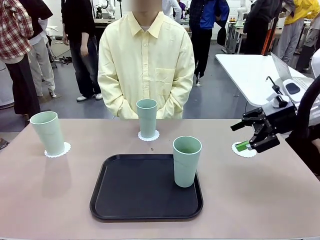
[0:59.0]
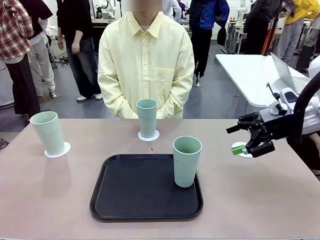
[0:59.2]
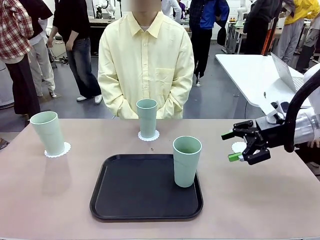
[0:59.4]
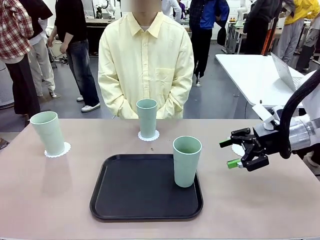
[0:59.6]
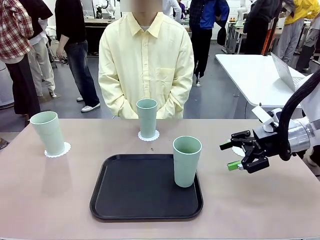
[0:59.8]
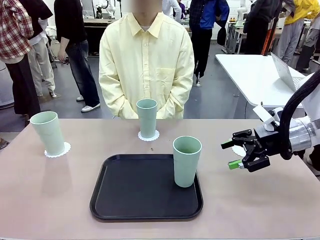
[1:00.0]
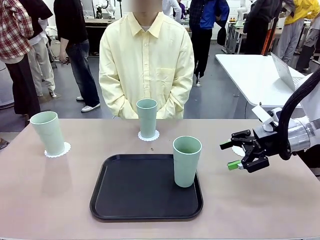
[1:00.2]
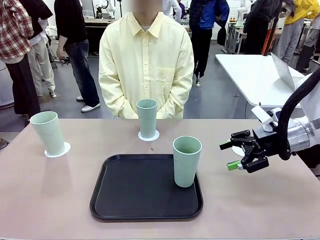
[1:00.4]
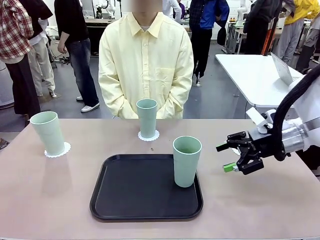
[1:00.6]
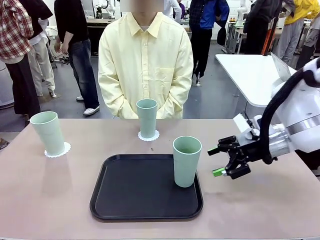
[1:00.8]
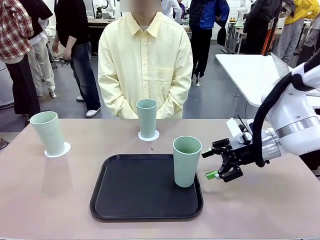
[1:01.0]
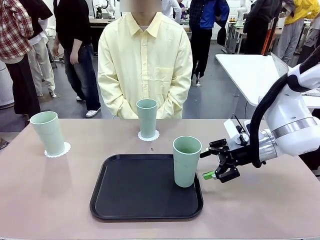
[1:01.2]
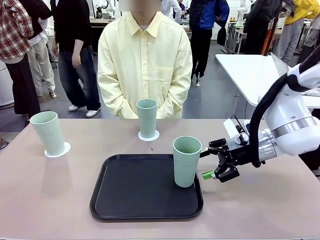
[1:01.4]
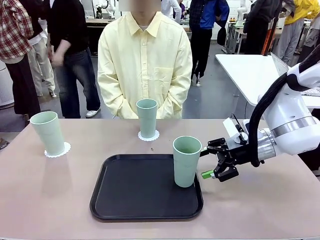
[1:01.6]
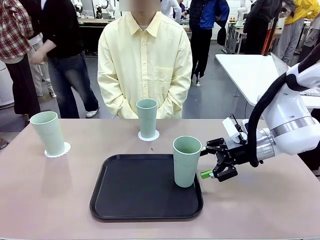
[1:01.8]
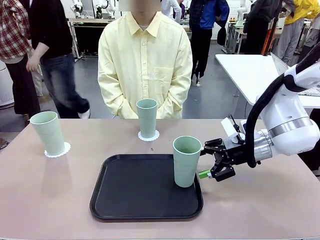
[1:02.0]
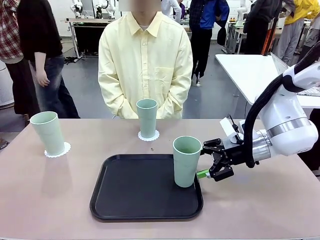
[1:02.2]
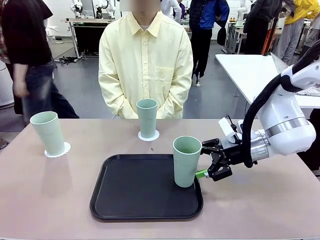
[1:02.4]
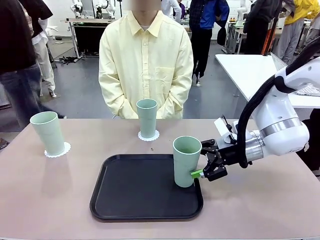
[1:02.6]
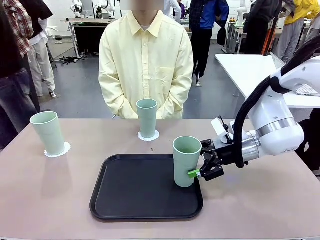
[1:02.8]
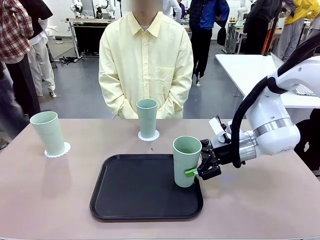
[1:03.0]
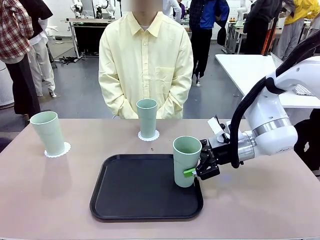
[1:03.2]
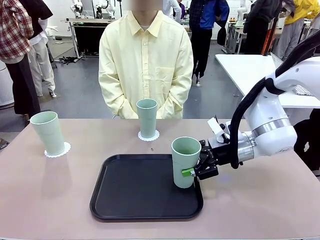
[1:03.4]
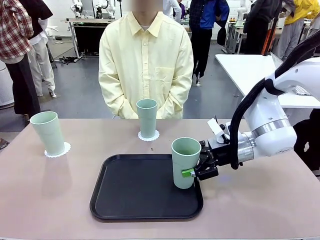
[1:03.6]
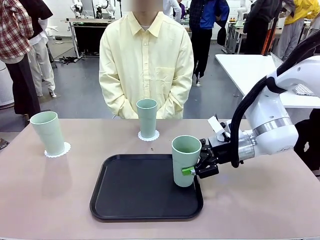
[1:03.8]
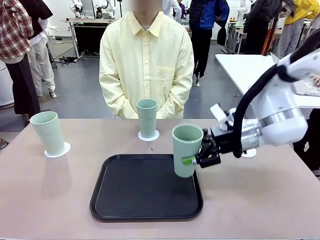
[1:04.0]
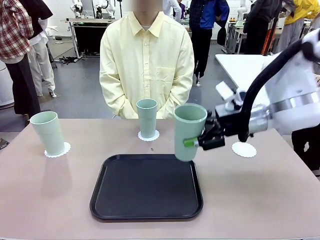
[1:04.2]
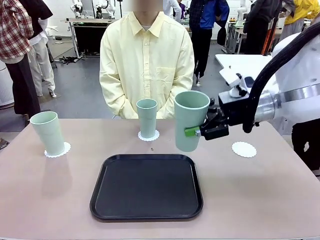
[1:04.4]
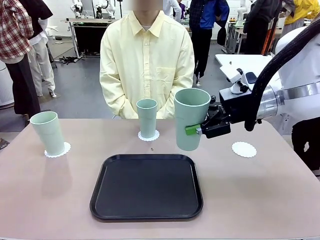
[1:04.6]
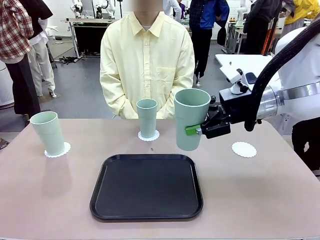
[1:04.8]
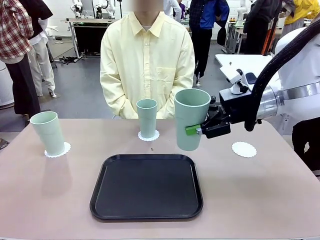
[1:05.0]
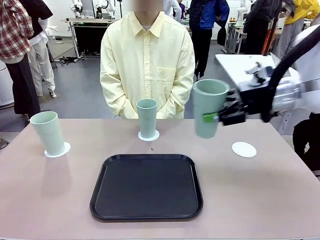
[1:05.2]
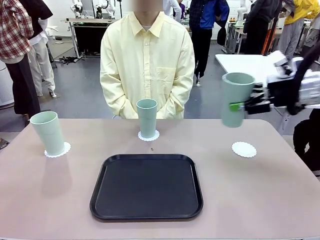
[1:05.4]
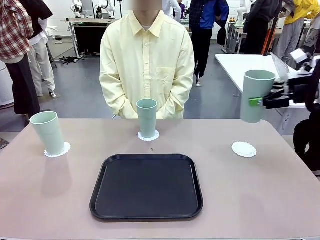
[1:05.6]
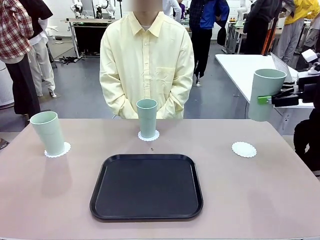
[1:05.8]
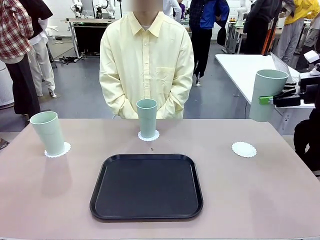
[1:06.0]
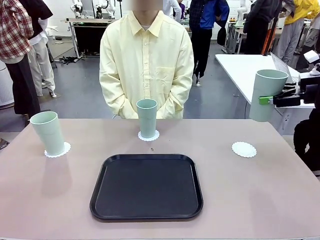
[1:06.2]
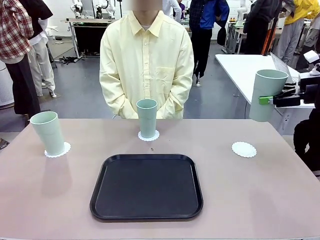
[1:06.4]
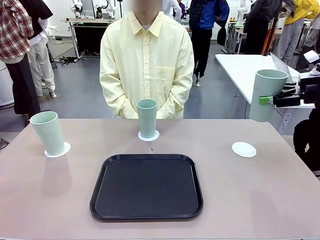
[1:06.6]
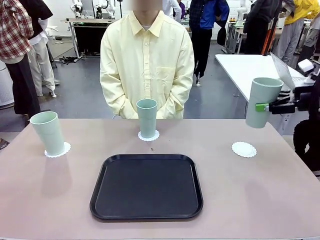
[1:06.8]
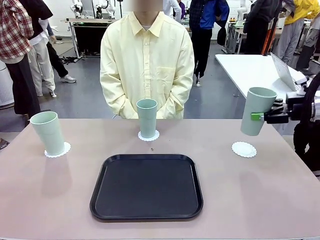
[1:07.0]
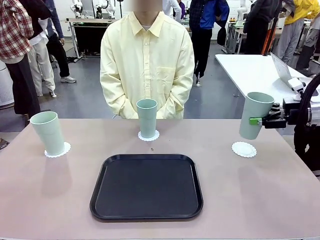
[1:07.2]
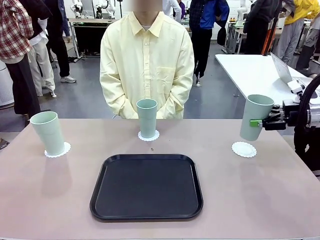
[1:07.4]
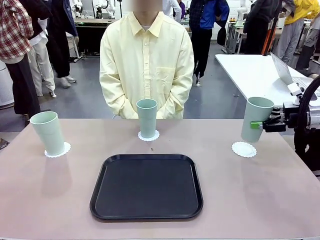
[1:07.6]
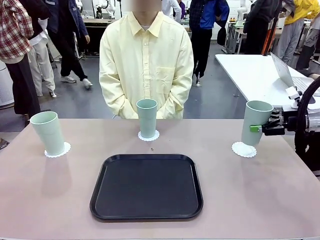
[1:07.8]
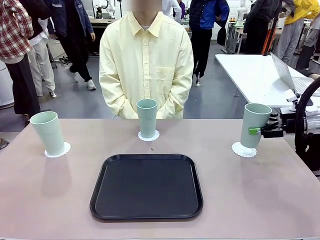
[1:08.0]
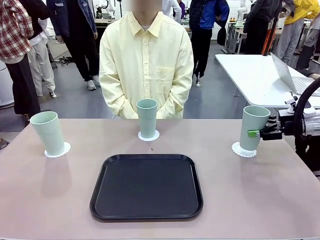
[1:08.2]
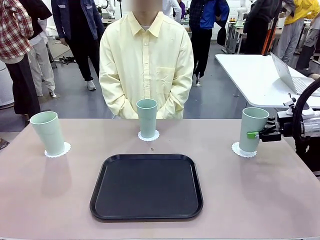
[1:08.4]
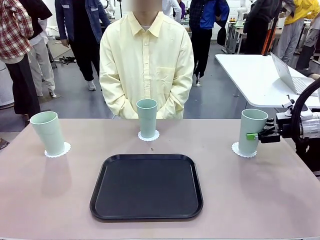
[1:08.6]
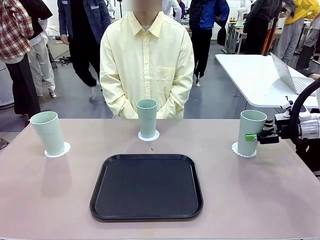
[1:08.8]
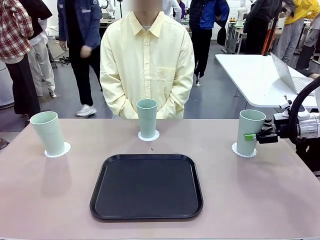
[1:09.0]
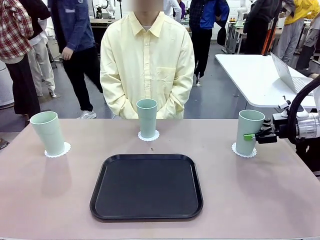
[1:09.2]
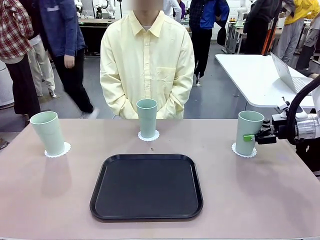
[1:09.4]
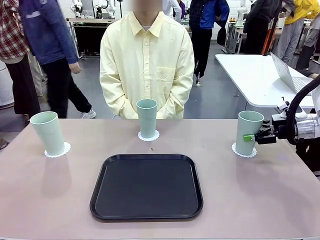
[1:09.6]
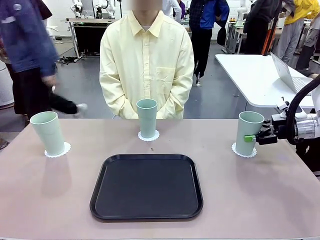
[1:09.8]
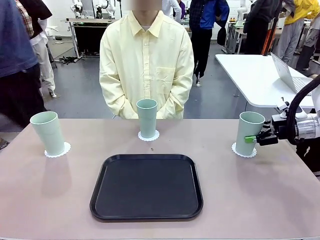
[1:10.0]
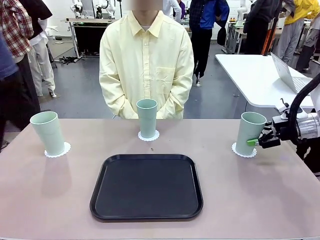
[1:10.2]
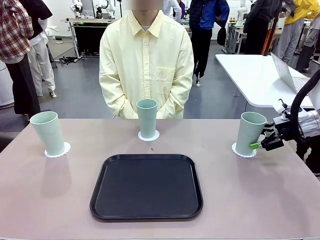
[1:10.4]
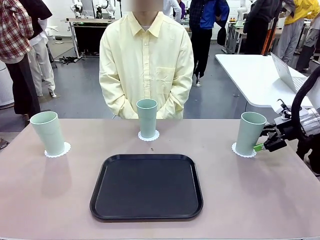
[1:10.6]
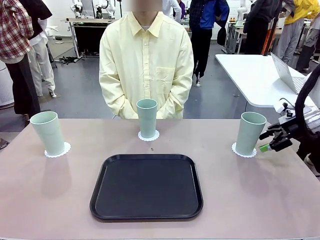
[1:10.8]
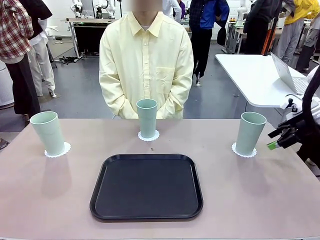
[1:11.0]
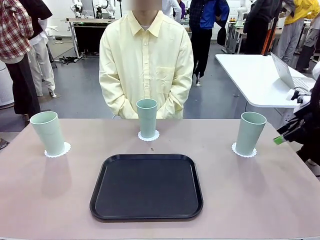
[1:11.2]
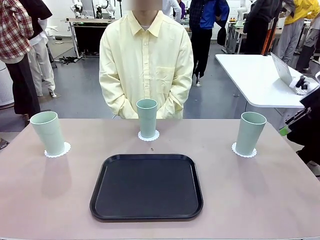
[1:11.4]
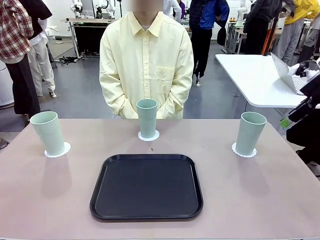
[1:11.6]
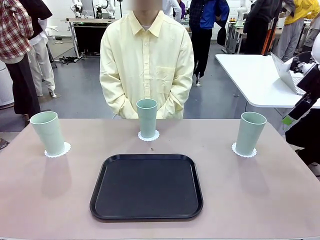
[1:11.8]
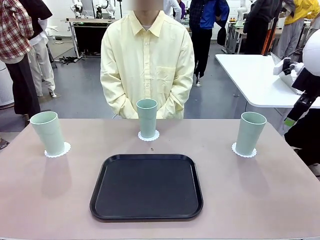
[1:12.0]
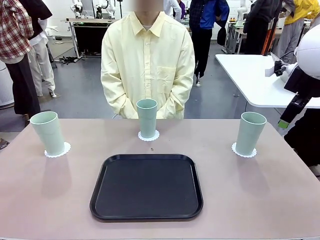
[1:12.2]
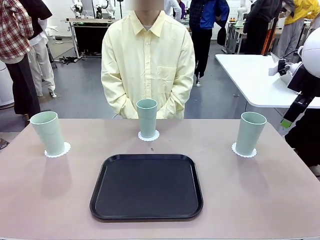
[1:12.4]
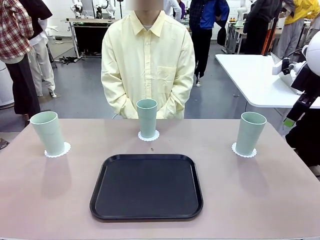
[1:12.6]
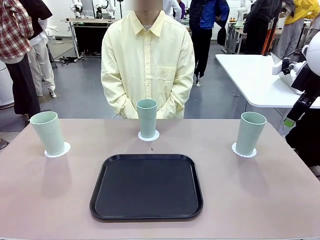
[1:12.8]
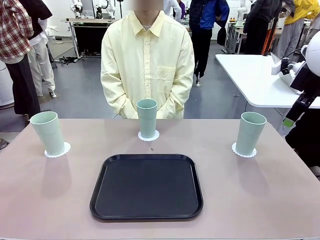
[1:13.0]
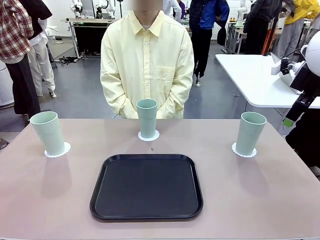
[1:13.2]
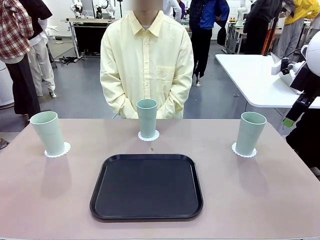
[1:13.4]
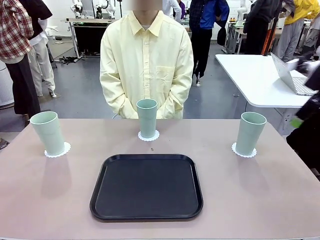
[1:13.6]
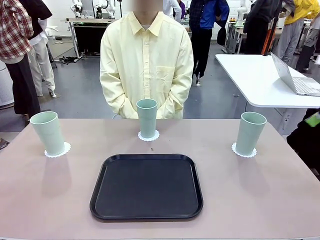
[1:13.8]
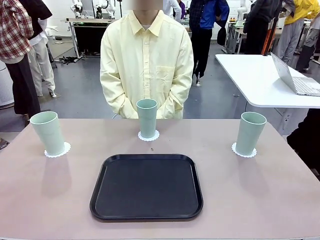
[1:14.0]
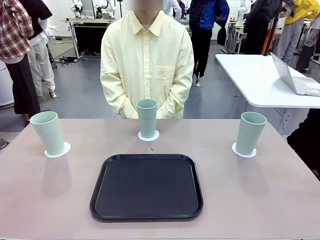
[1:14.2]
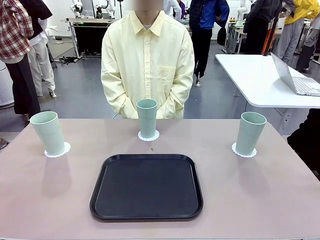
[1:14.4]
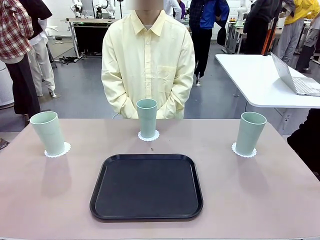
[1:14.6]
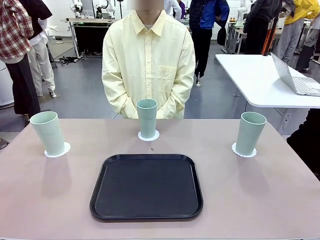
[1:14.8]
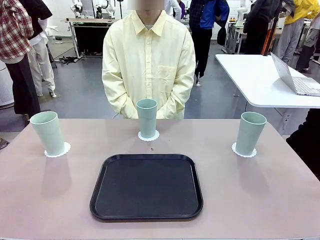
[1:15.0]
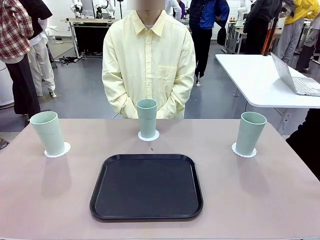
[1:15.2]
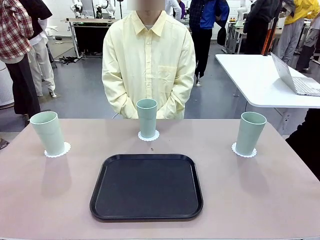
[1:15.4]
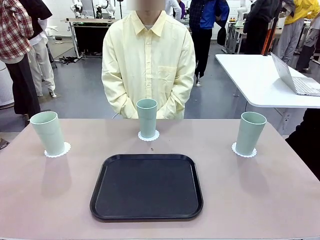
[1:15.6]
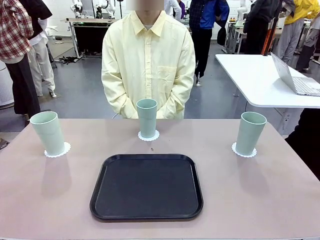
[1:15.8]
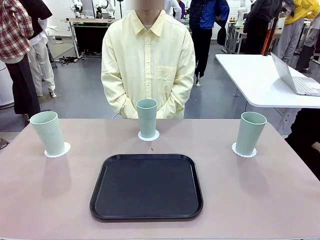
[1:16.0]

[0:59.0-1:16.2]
Task: Place coasters on the table and set cups on them.
Robot: Take one Reusable plastic cup from the Flat Tray and place it on a coaster set by the human.
